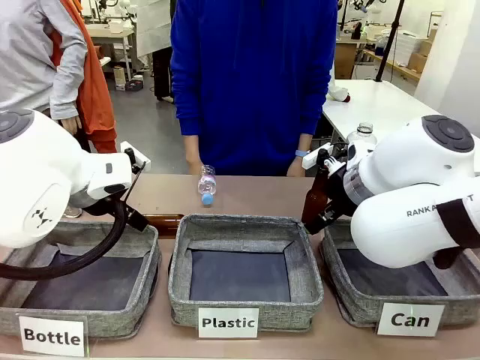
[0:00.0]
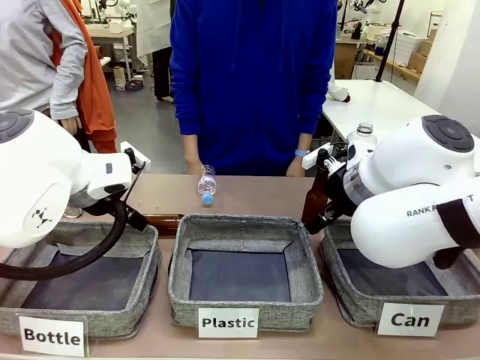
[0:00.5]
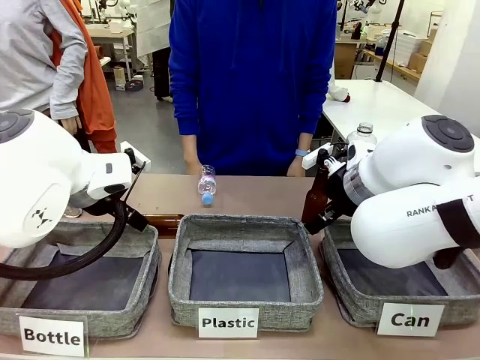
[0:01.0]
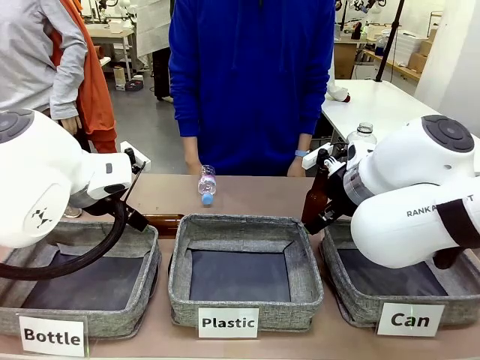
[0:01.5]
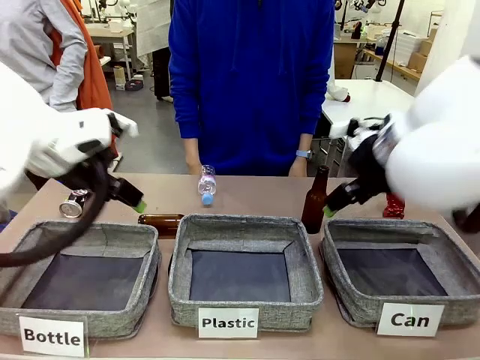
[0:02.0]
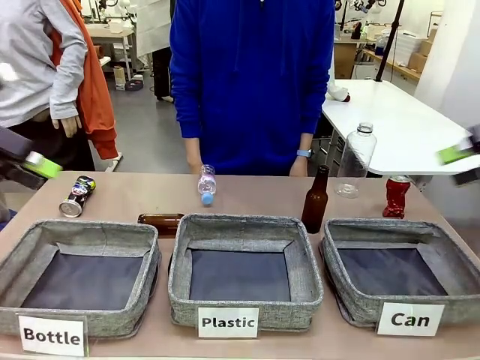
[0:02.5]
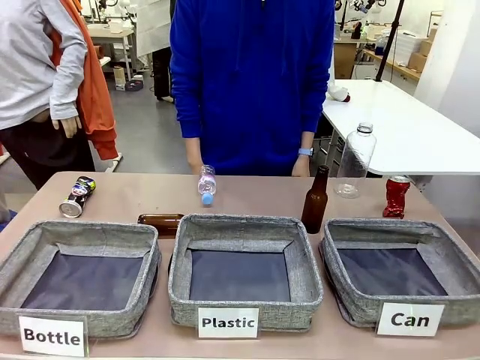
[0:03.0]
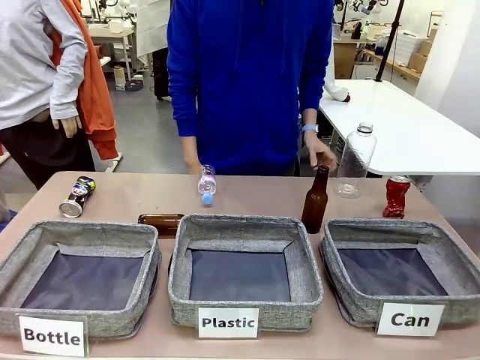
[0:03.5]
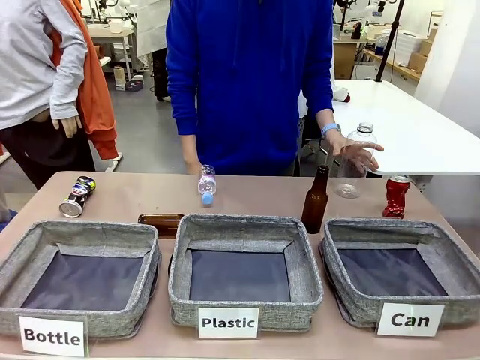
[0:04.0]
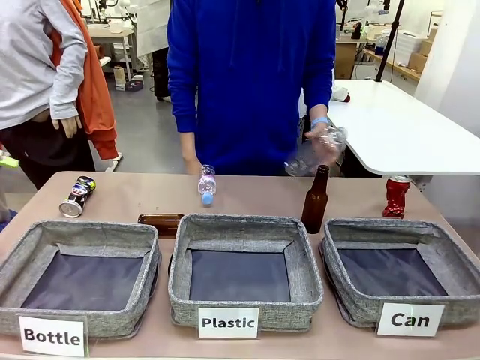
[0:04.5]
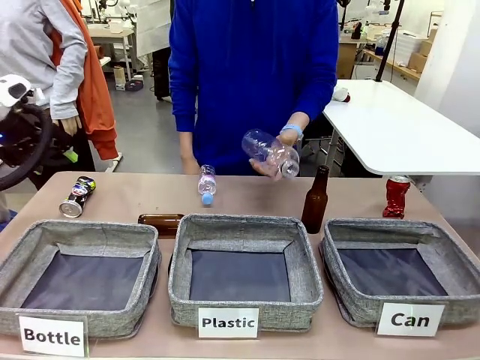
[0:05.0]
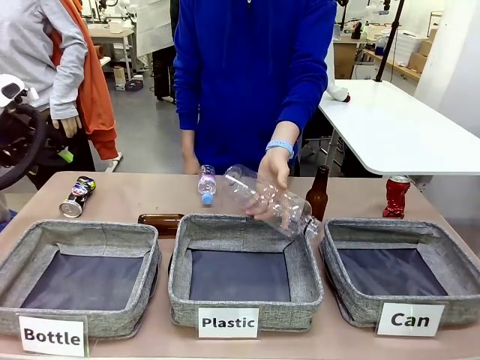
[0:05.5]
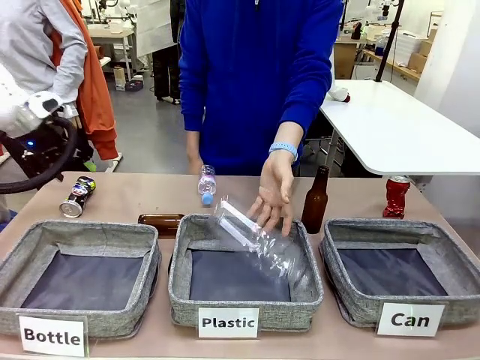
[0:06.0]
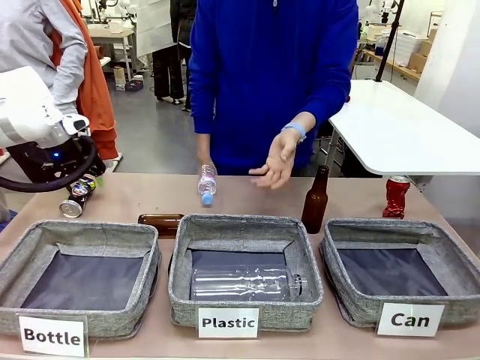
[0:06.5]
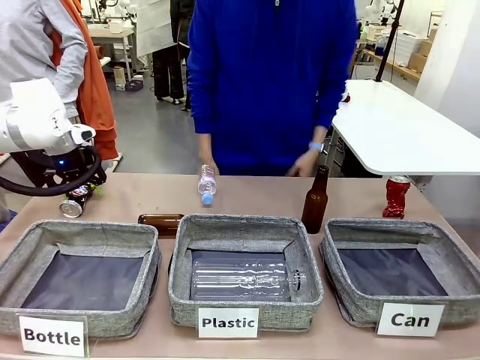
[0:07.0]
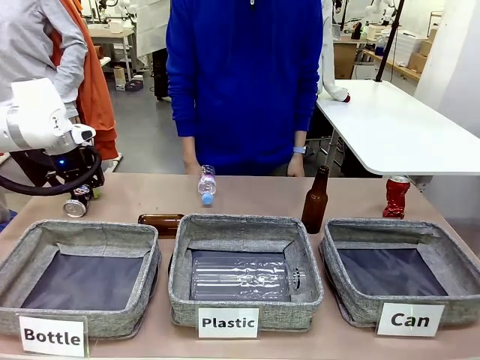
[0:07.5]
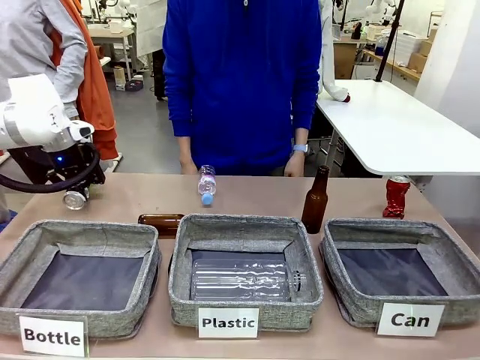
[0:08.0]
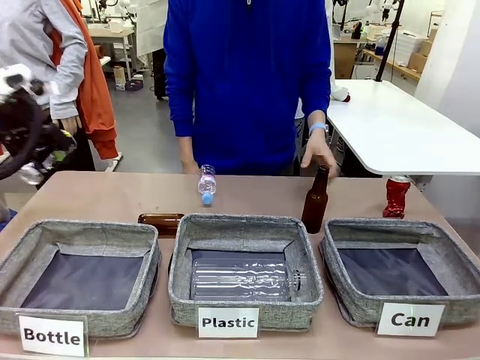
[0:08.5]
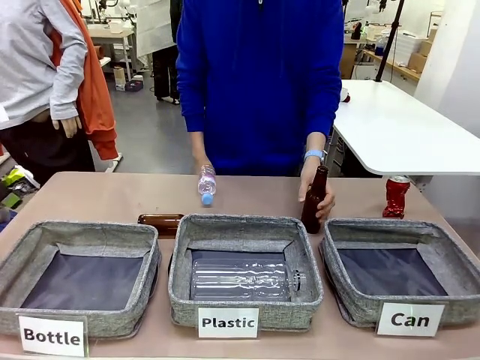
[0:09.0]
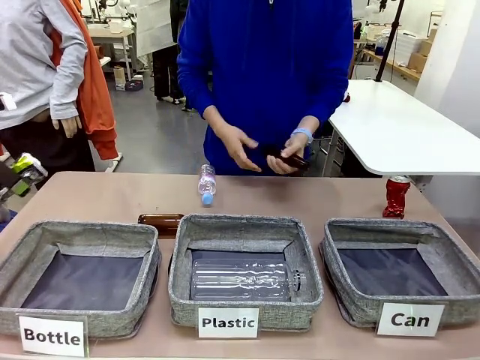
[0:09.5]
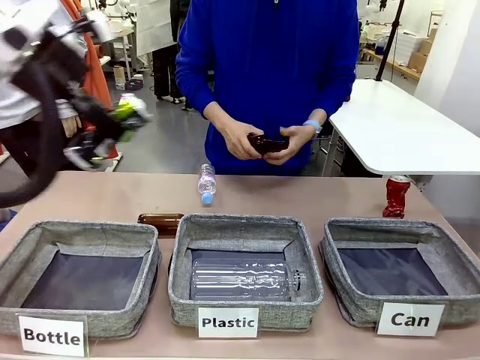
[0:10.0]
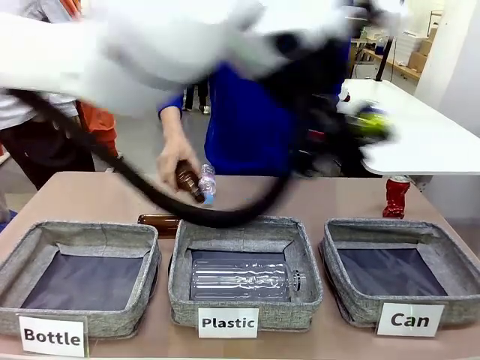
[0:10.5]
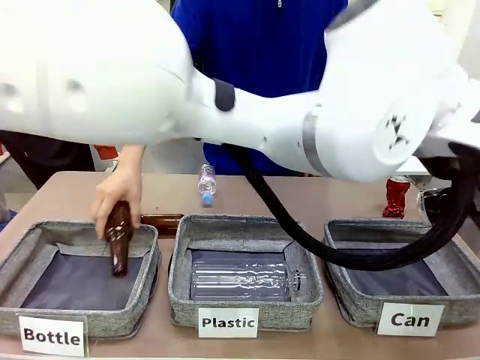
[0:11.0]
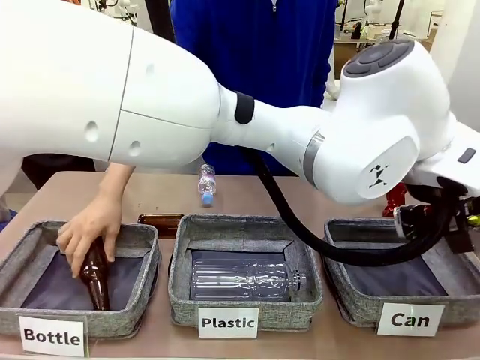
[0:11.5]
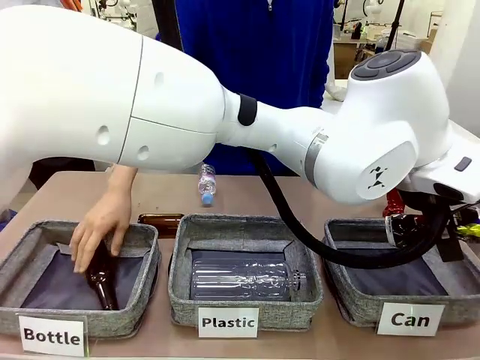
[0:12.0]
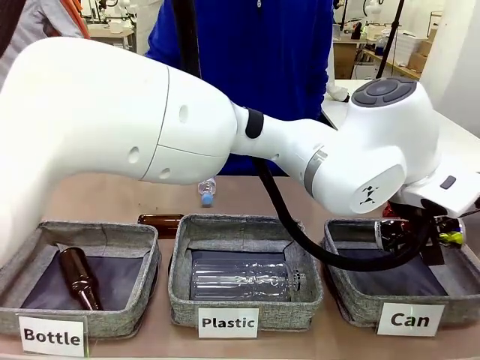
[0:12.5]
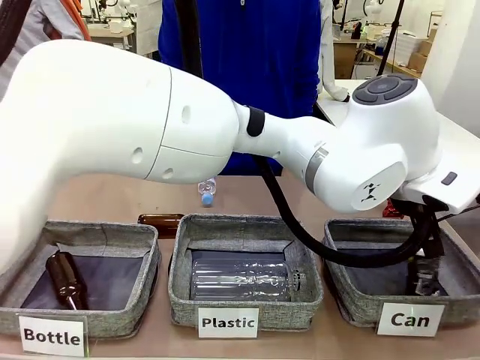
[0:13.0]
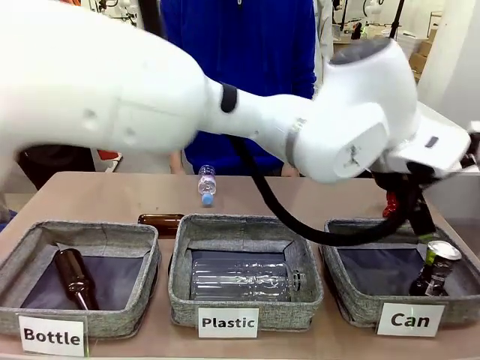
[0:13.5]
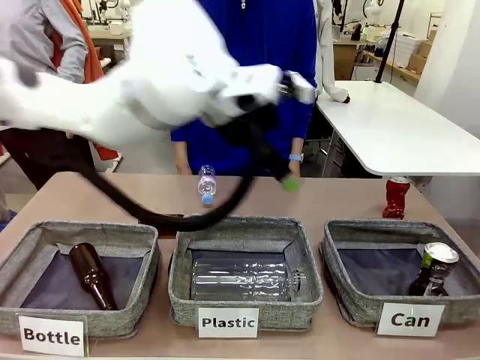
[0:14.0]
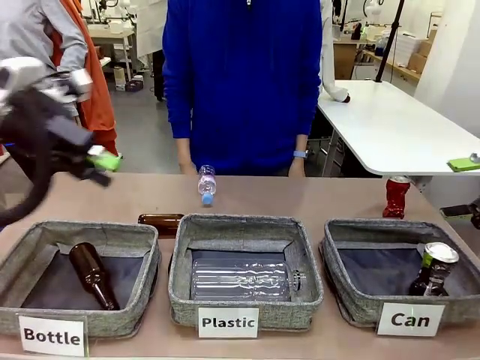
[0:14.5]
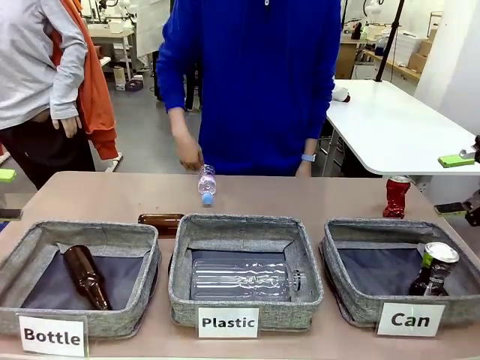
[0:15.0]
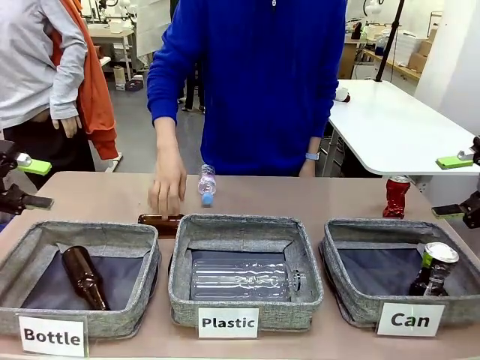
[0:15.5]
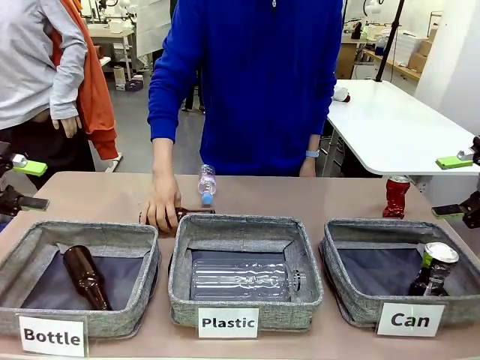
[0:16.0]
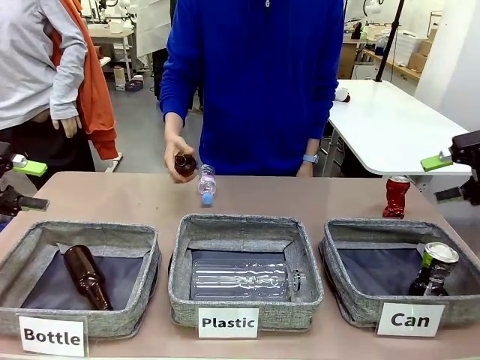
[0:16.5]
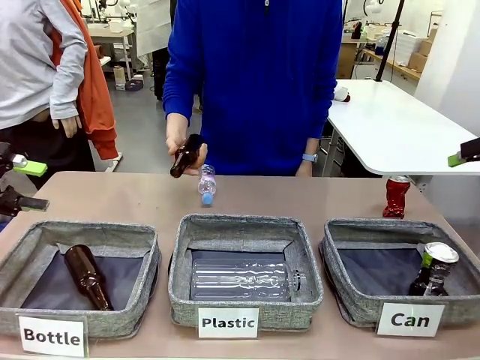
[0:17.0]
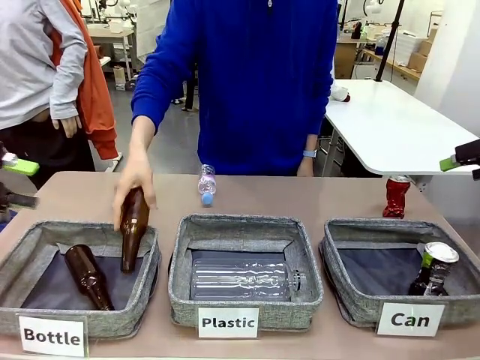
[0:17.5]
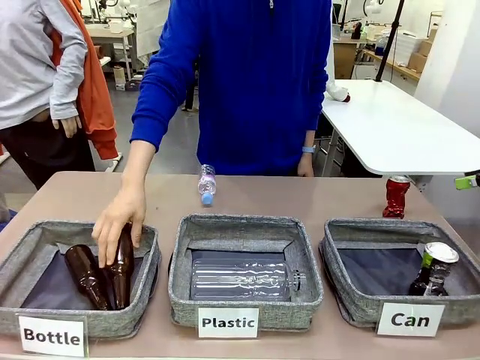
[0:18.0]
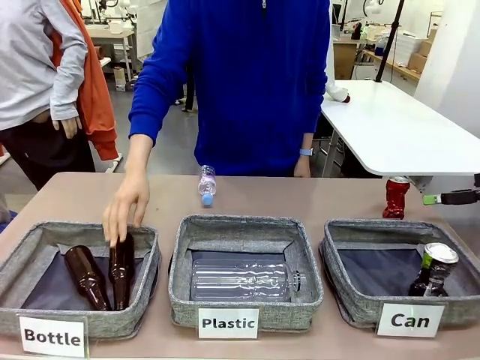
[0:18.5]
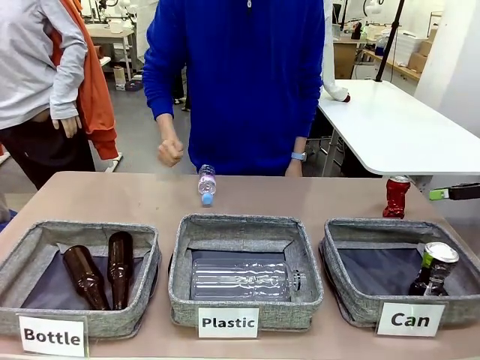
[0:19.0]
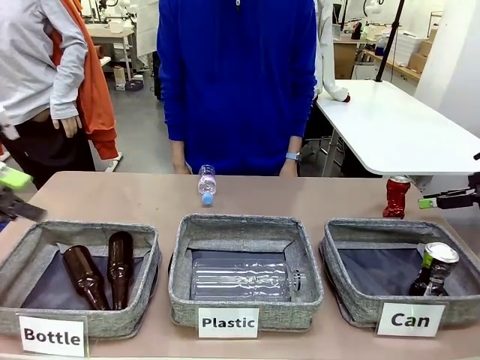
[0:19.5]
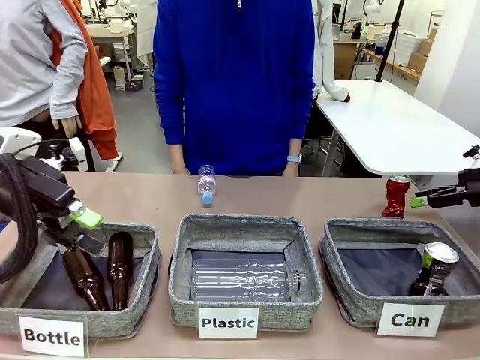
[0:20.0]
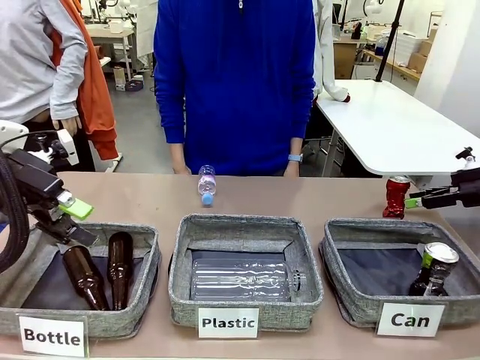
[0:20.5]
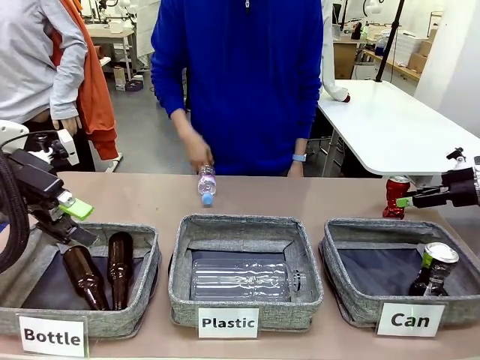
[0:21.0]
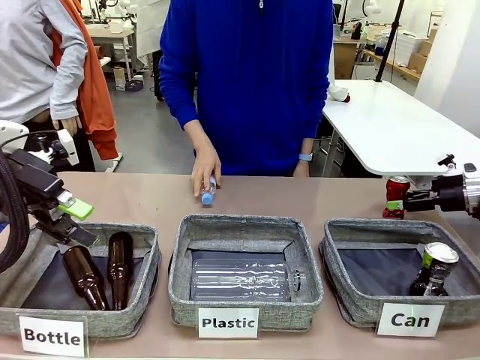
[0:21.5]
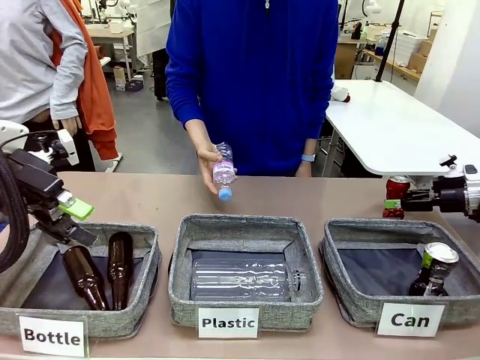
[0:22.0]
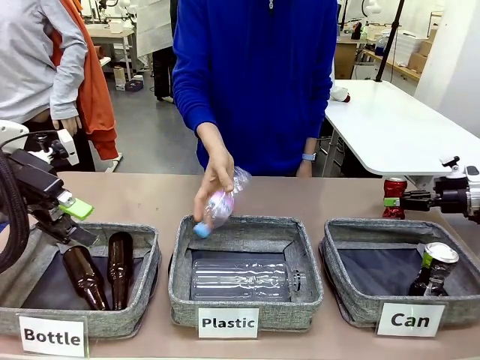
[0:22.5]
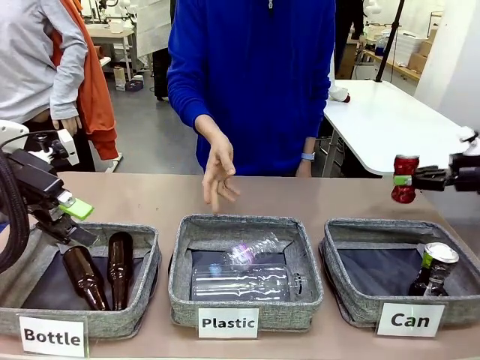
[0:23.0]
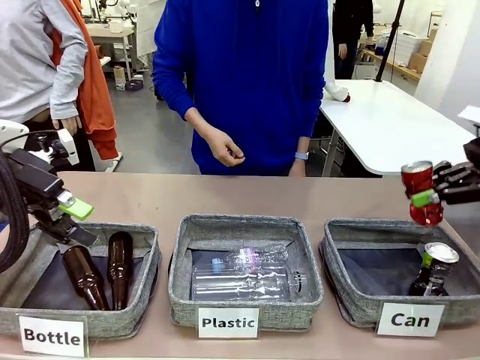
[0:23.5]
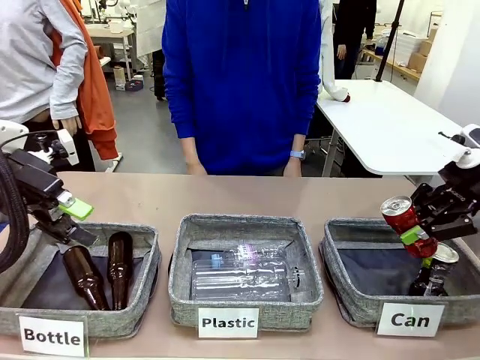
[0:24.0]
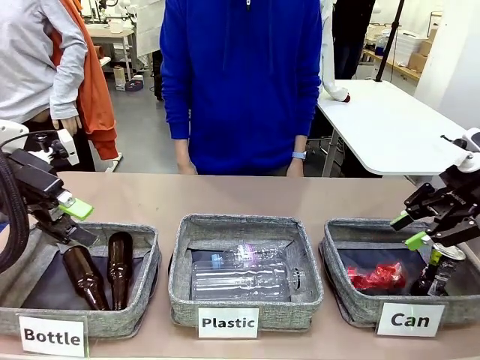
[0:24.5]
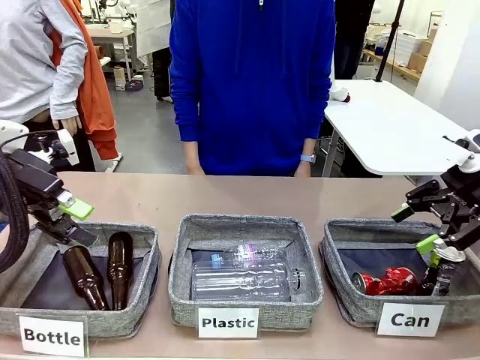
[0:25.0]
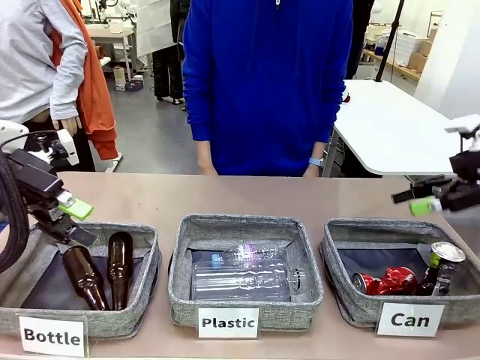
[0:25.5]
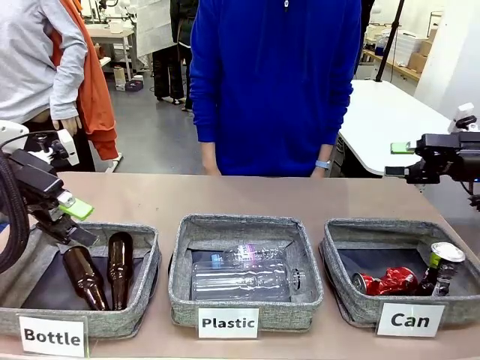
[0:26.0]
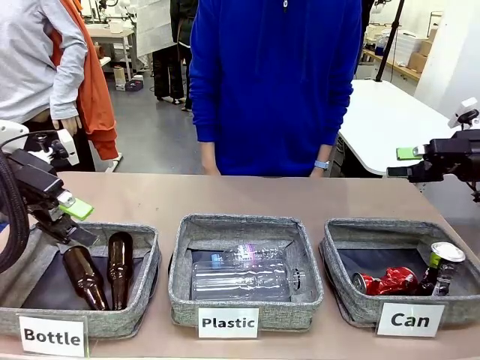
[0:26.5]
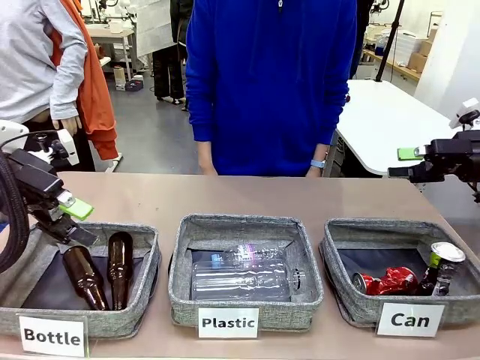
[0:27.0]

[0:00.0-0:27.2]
Task: Sort the can waste into the basket.
Robot: Pick up the can waste from the table and place it in the right Fabric basket.
Person: The human picks up one piece of trash that is not a can and places the trash into the appropriate organizing basket.
